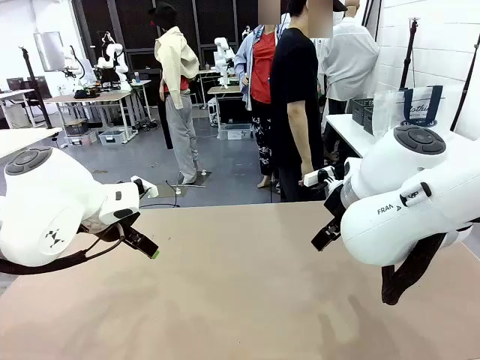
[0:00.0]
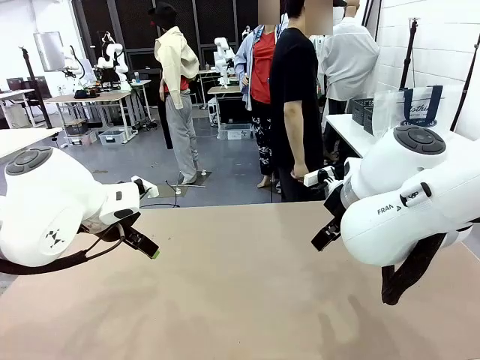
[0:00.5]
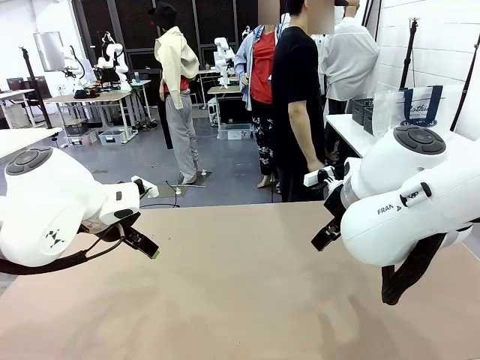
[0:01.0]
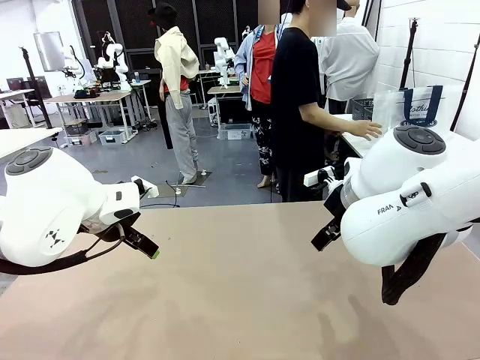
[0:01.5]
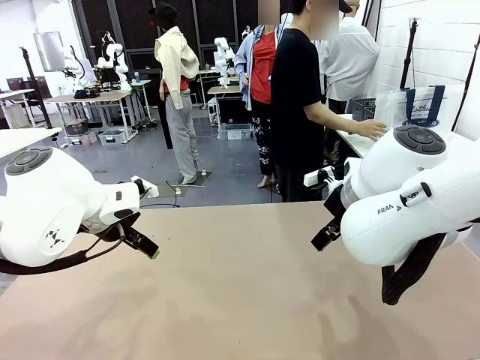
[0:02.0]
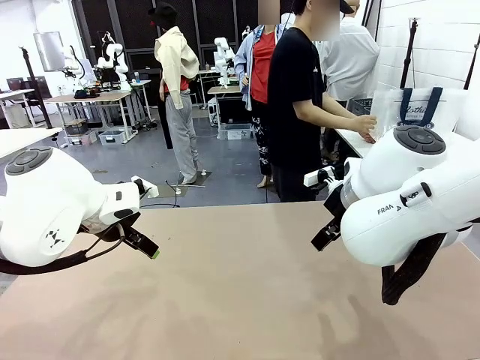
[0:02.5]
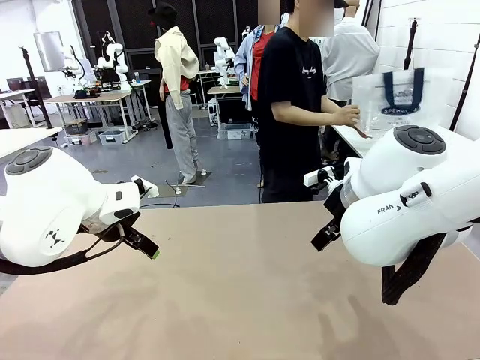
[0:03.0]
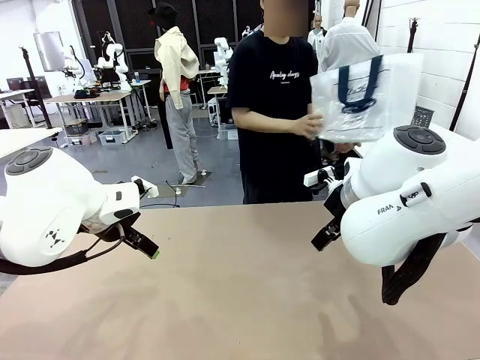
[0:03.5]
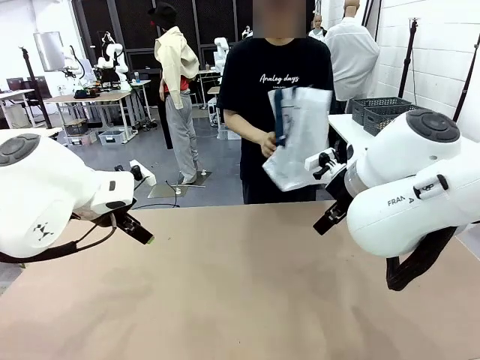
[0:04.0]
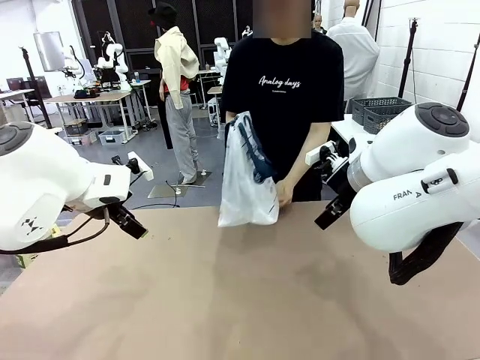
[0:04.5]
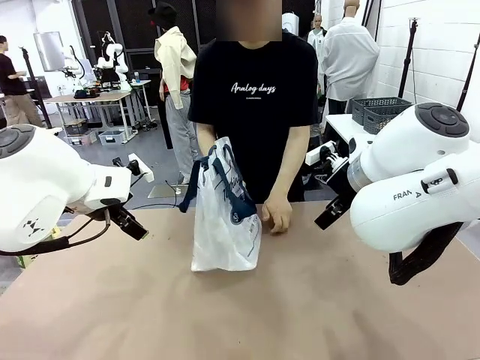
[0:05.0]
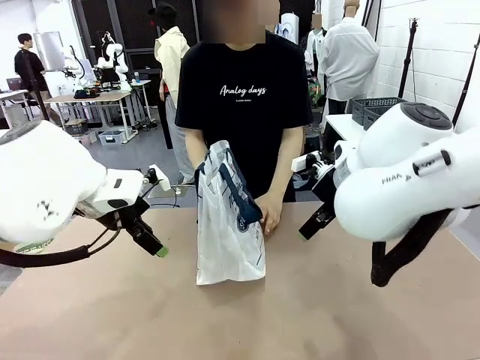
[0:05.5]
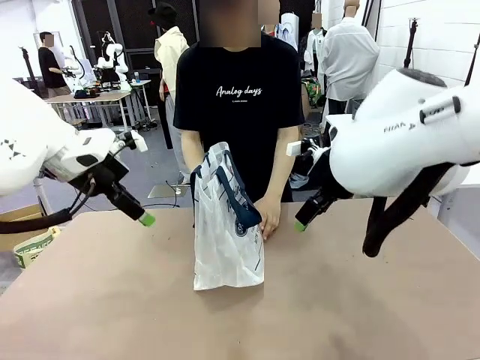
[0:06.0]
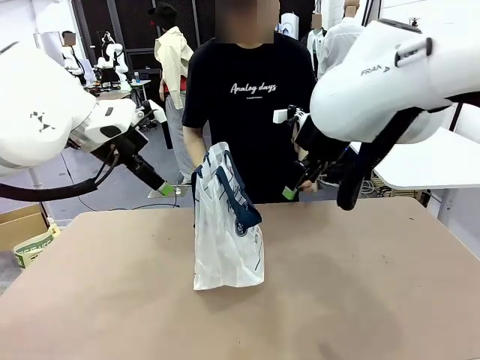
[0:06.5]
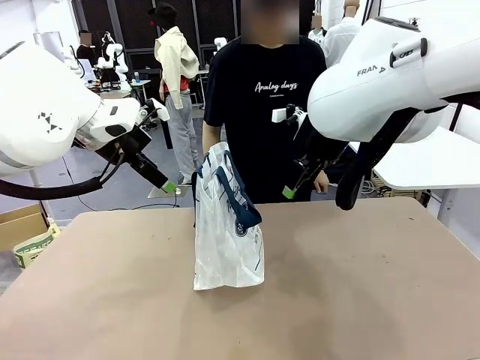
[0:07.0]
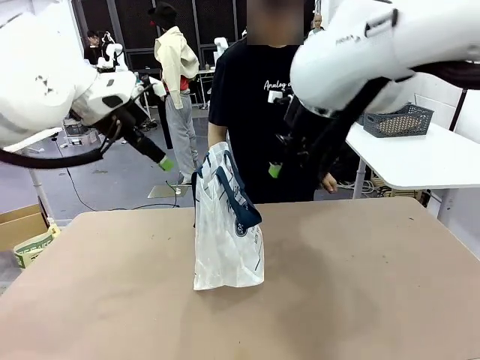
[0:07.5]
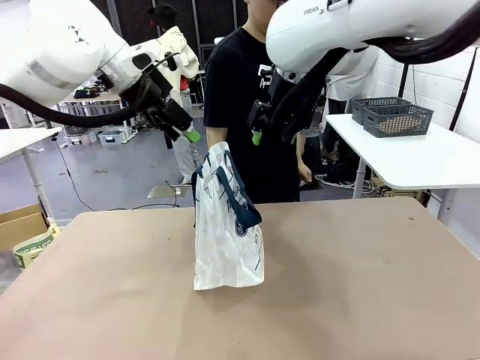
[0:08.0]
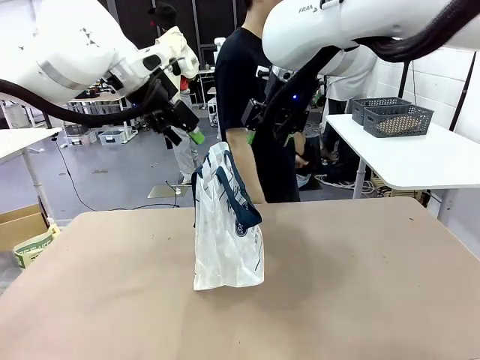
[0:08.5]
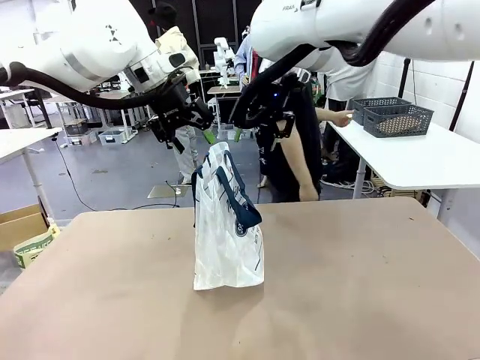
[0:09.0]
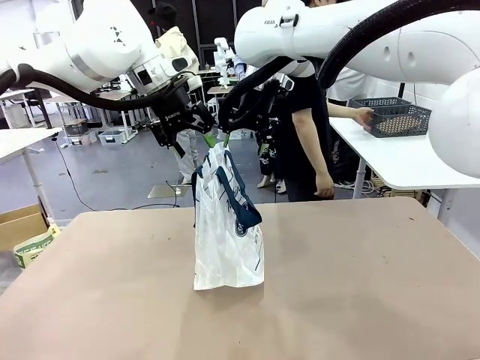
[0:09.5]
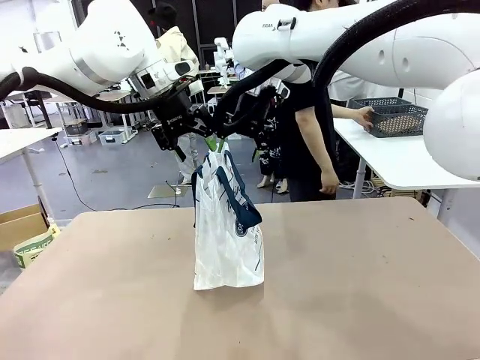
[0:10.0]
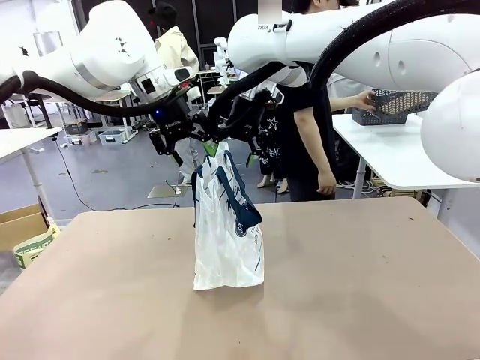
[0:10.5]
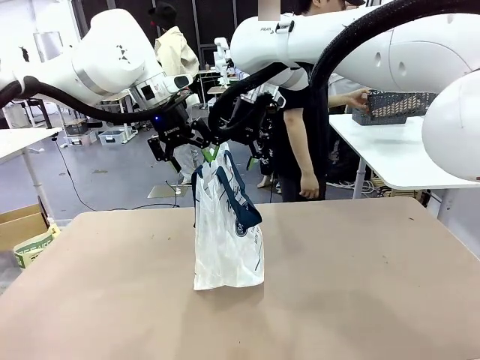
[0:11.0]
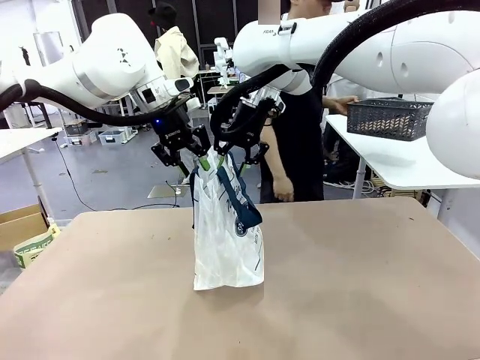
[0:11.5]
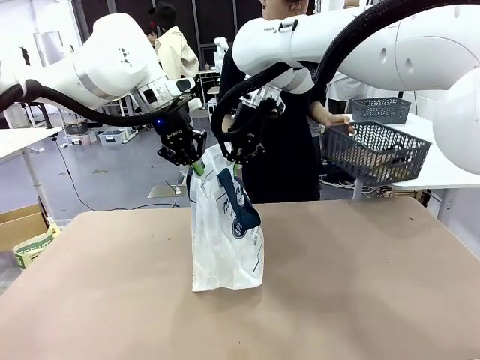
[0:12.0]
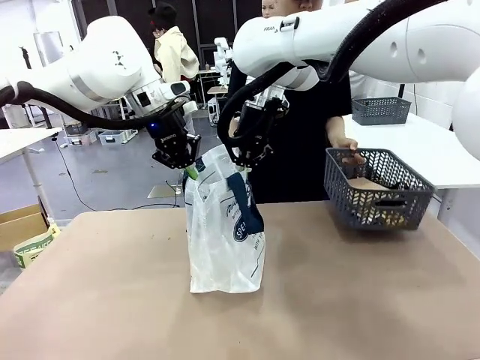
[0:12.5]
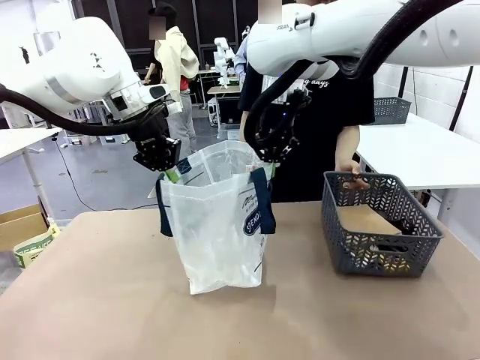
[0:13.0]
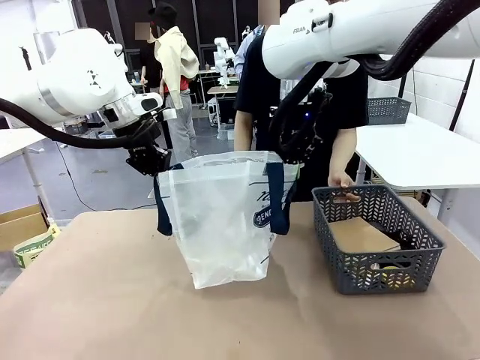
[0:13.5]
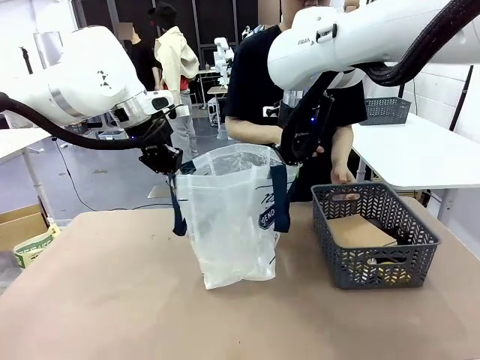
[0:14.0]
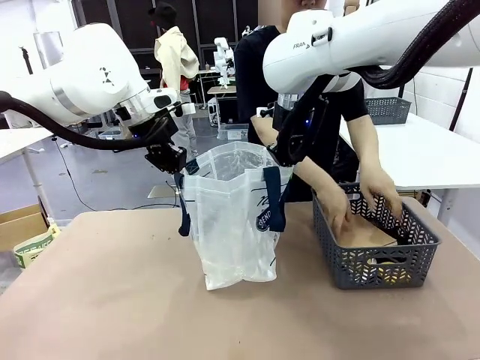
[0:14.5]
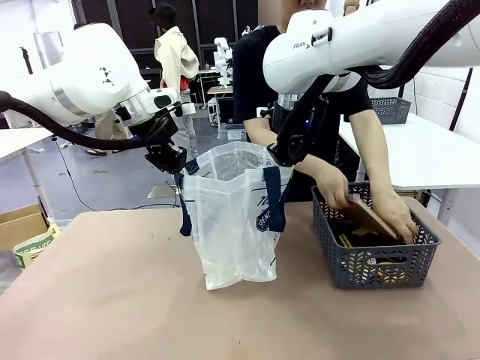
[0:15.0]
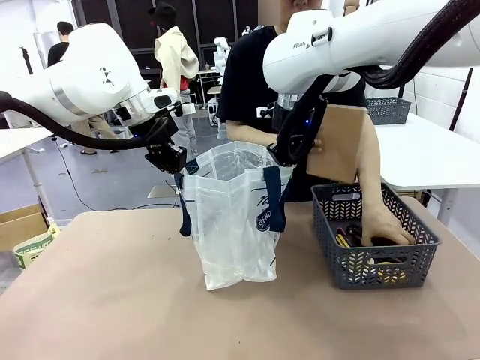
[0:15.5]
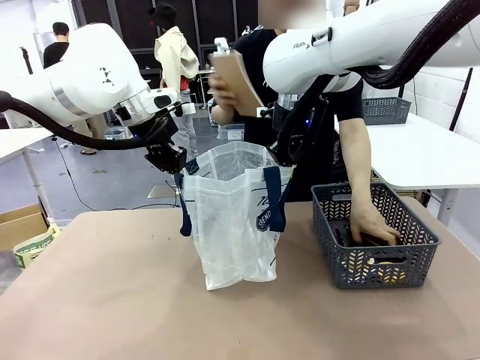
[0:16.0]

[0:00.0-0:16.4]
Task: Transfer purchased items from the store into the shopping bag.
Robot: Open the Reusable shopping bag in the center of the table.
Person: Pick up the shopping bag and place it in the middle of the robot table.
